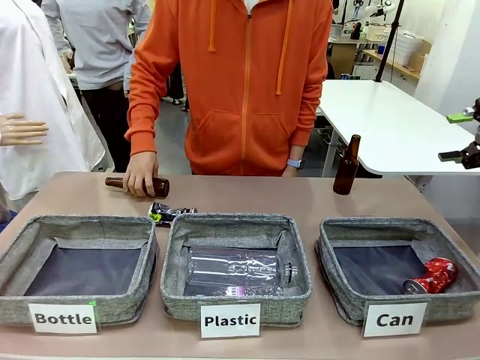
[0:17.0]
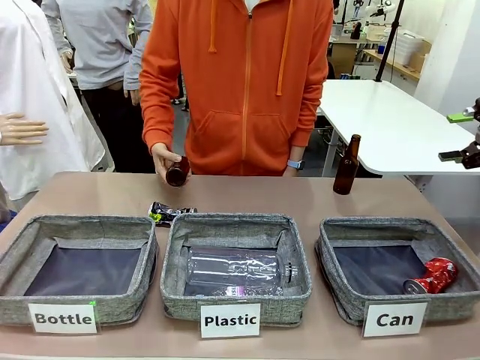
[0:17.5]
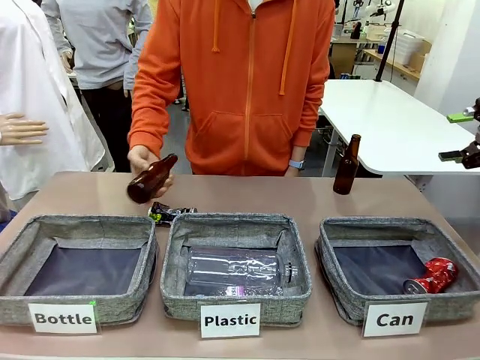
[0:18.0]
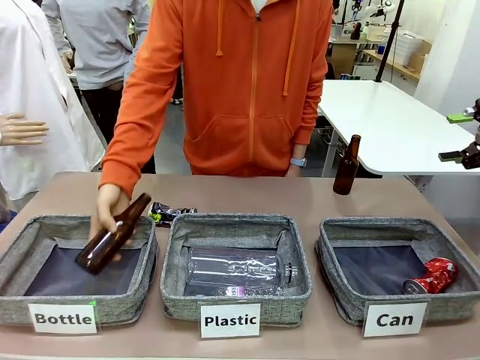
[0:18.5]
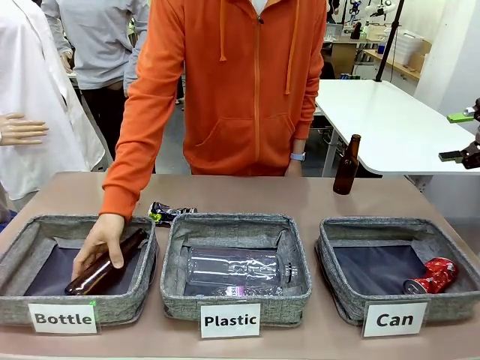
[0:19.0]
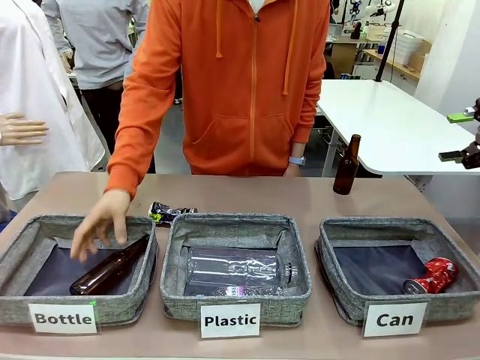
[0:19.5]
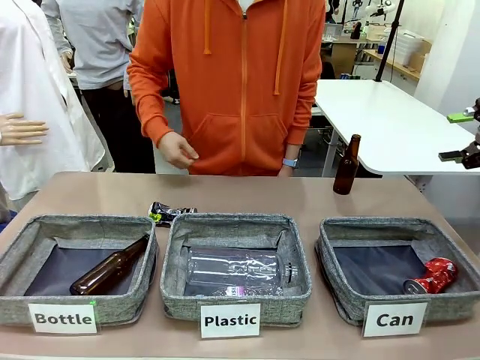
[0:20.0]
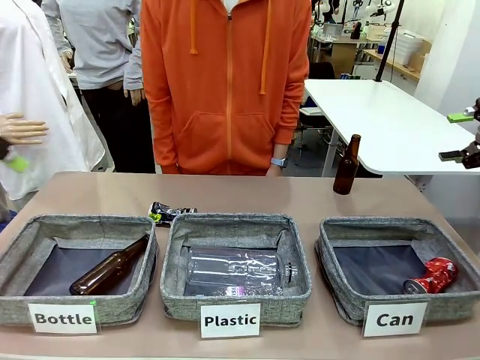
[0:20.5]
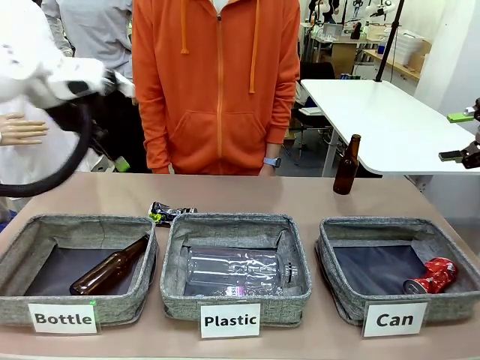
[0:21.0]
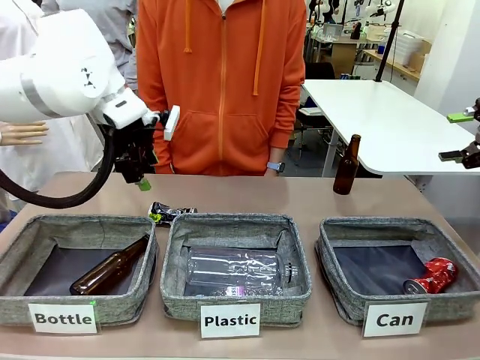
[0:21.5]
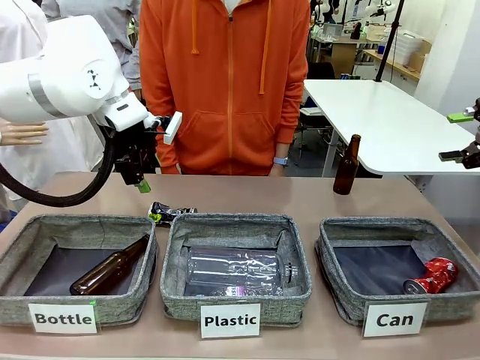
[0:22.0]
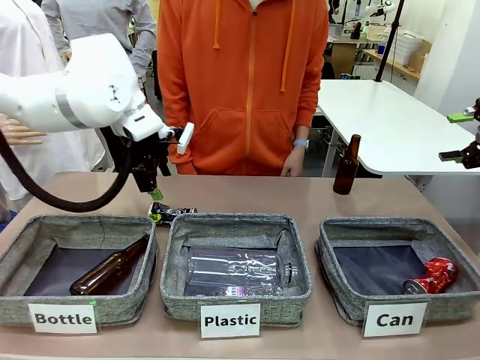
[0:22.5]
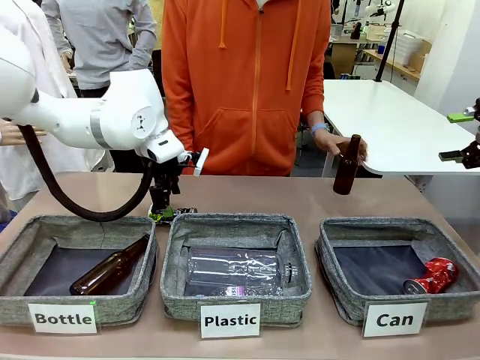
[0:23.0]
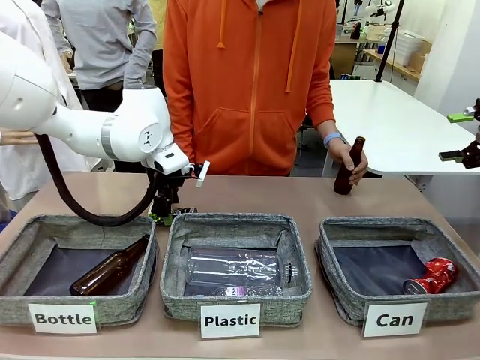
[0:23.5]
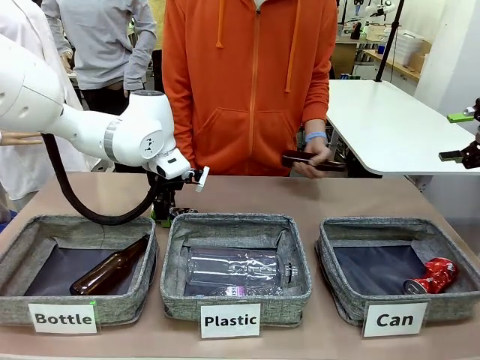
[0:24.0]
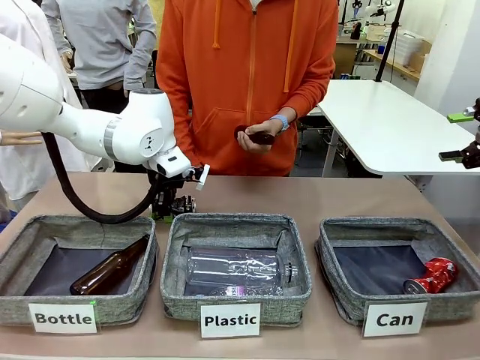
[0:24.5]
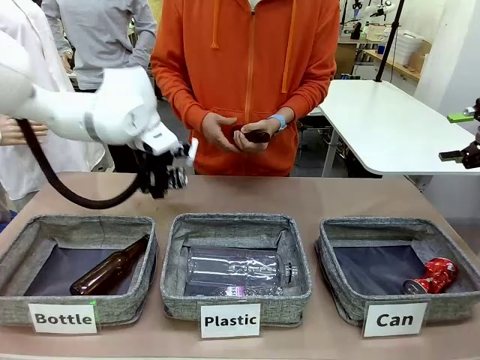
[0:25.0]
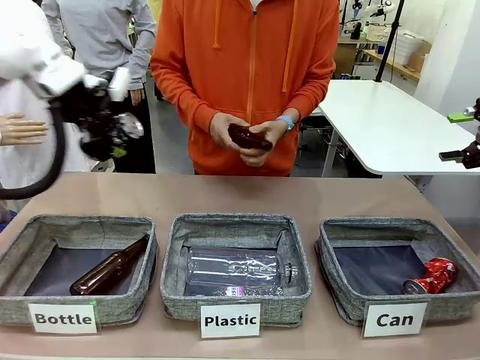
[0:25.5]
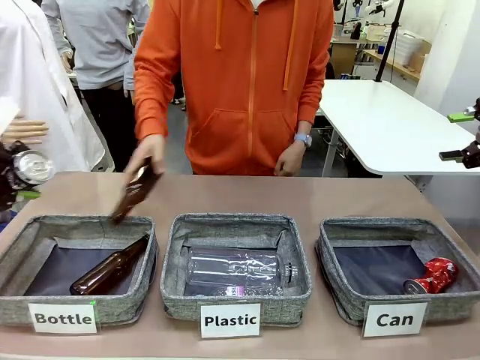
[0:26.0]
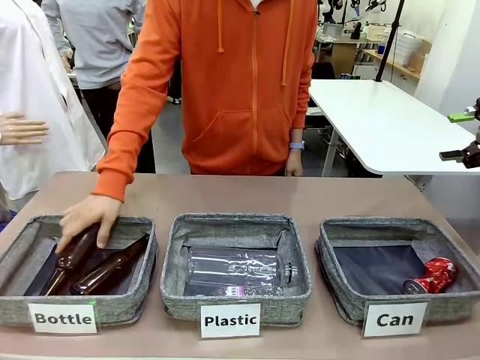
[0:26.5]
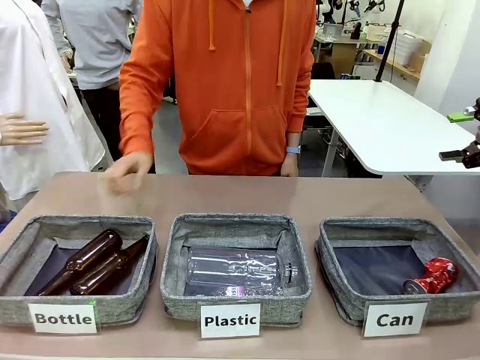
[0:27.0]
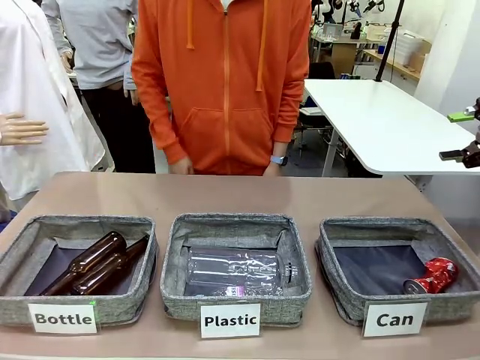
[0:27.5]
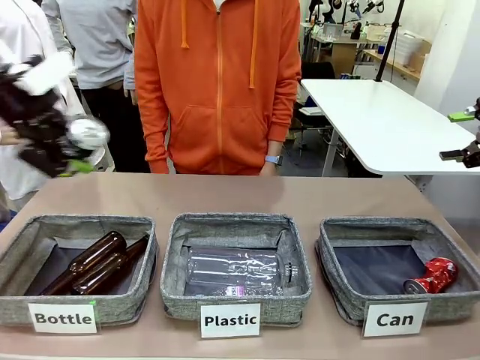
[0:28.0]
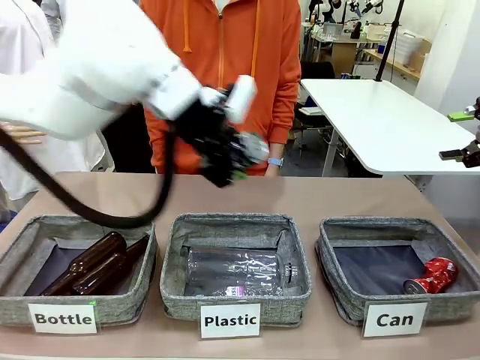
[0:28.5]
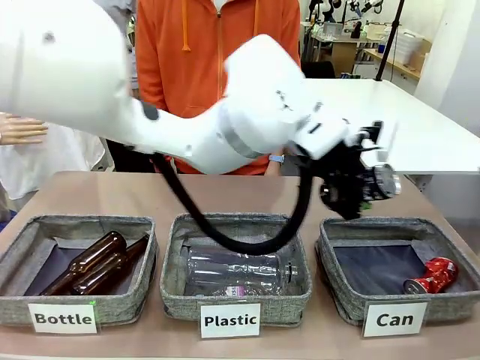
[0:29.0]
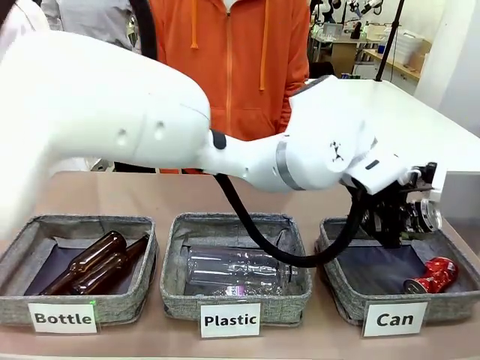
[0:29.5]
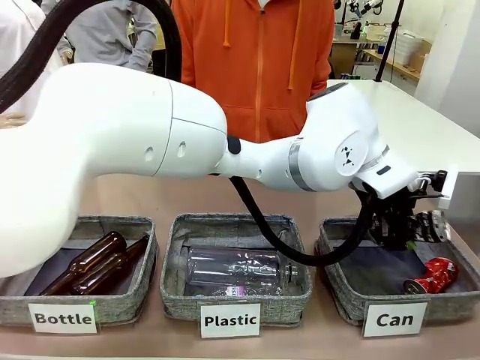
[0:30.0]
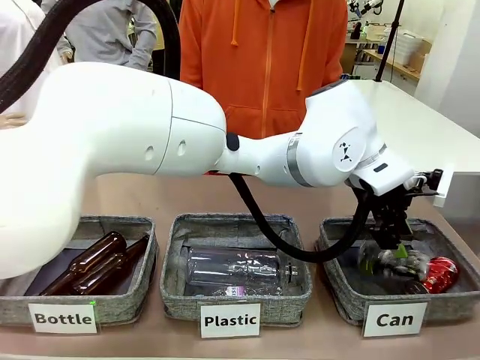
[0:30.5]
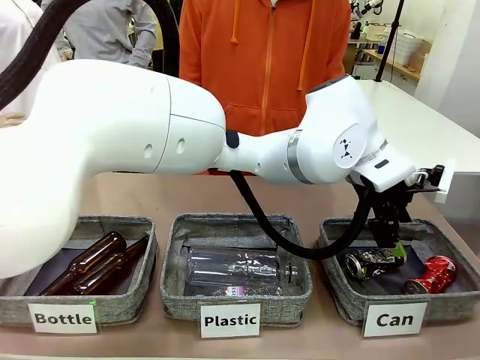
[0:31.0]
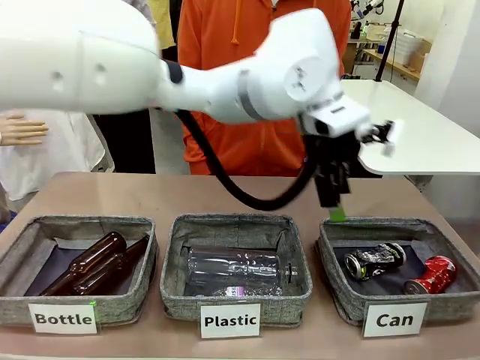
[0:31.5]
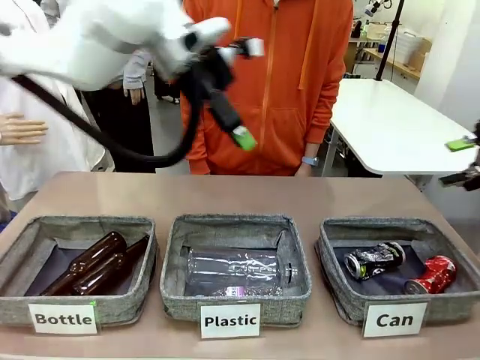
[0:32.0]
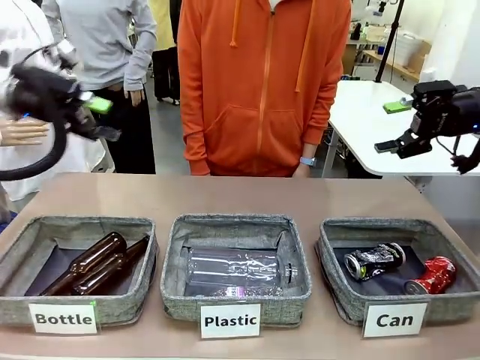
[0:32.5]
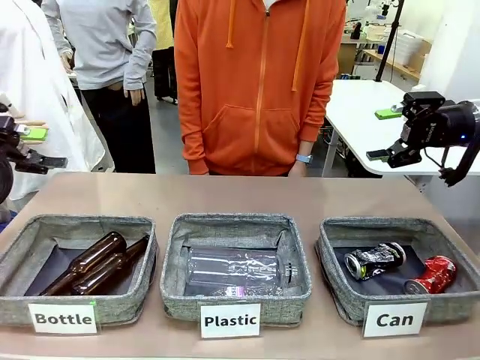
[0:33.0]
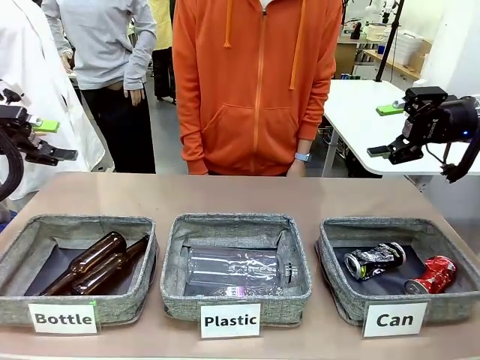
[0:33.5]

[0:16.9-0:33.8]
Task: Sort the can waste into the basket.
Robot: Pick up the can waste from the table and place it in the right Fabric basket.
